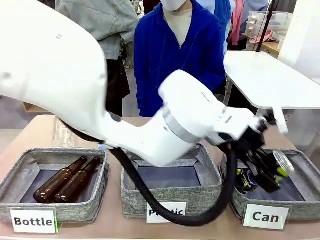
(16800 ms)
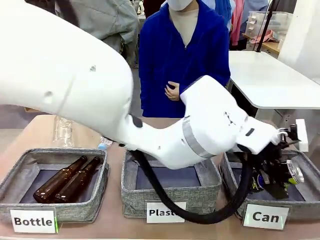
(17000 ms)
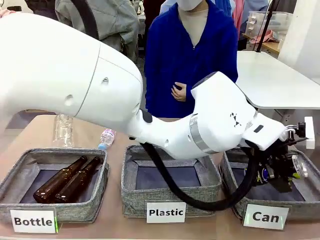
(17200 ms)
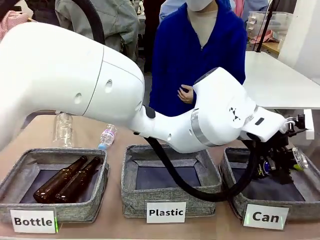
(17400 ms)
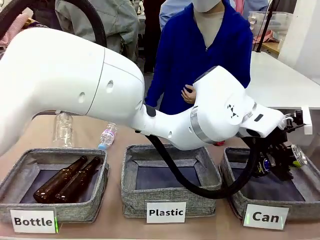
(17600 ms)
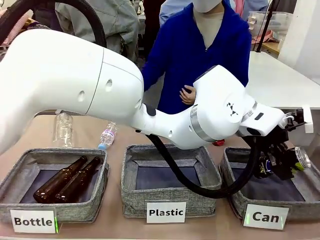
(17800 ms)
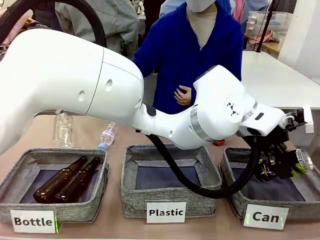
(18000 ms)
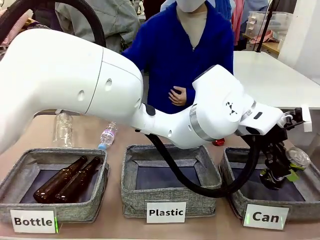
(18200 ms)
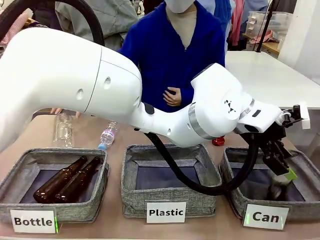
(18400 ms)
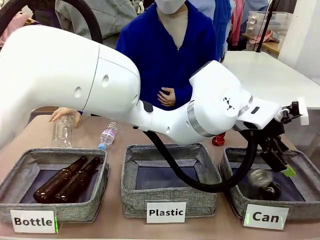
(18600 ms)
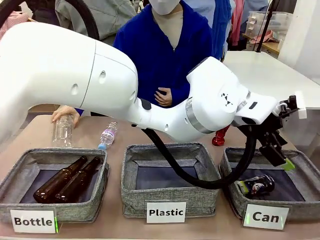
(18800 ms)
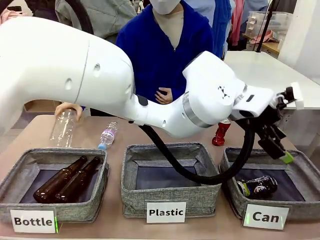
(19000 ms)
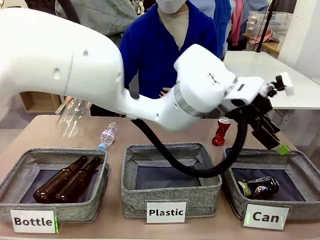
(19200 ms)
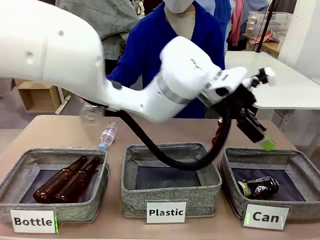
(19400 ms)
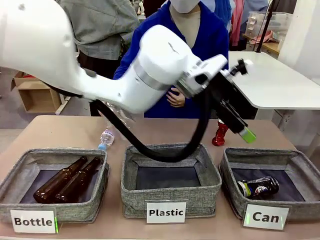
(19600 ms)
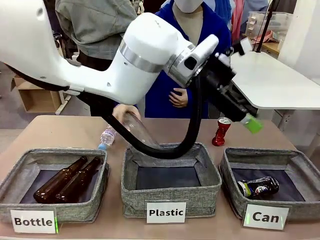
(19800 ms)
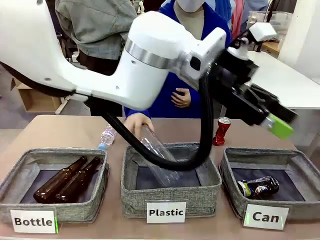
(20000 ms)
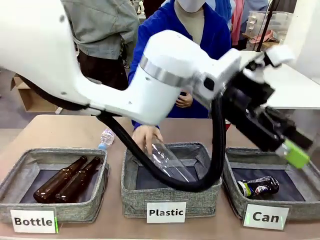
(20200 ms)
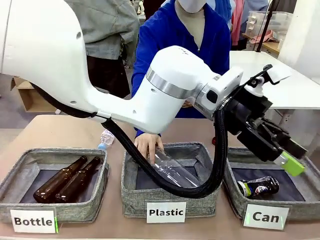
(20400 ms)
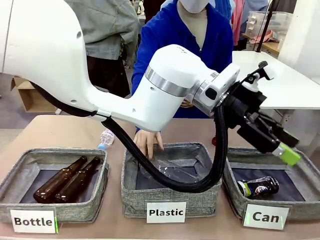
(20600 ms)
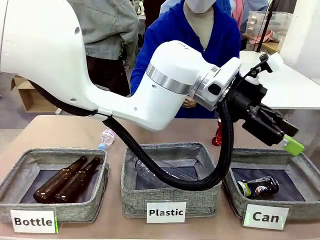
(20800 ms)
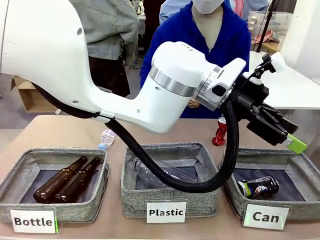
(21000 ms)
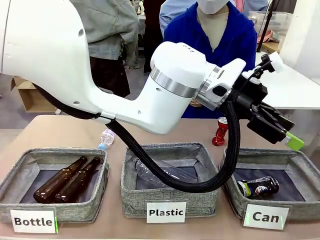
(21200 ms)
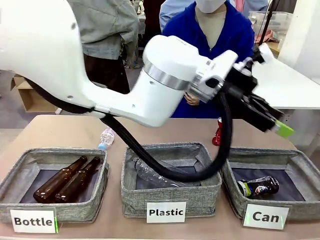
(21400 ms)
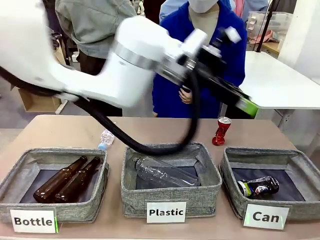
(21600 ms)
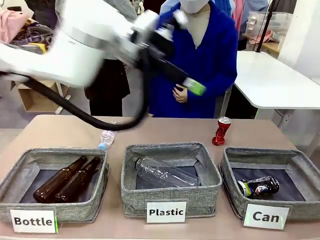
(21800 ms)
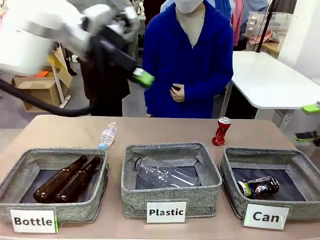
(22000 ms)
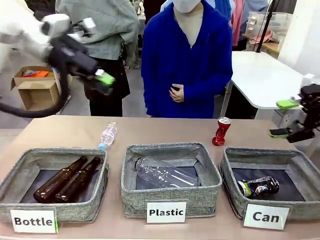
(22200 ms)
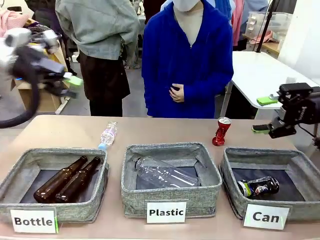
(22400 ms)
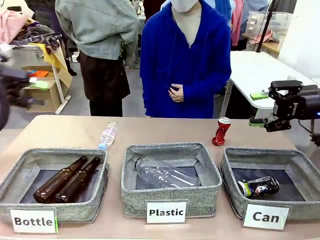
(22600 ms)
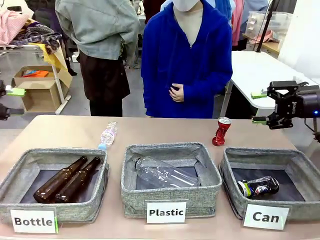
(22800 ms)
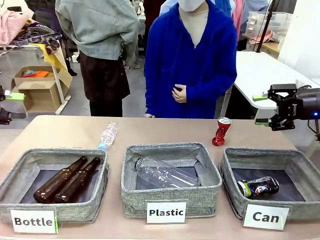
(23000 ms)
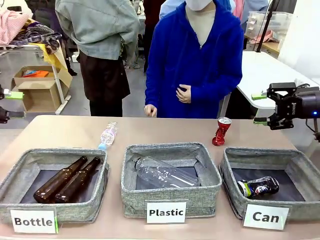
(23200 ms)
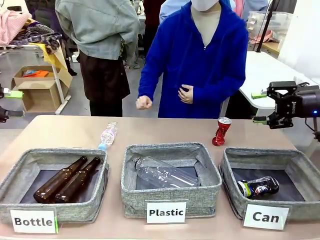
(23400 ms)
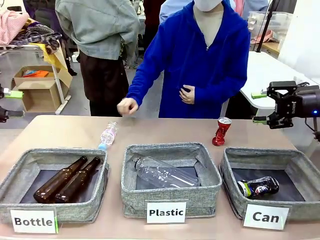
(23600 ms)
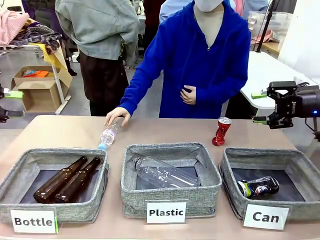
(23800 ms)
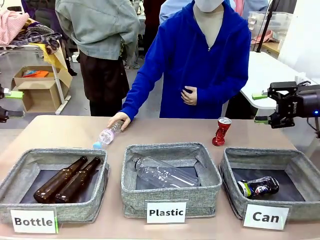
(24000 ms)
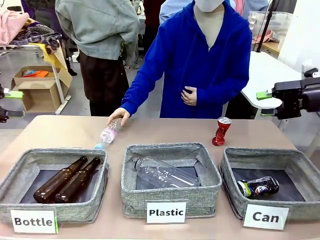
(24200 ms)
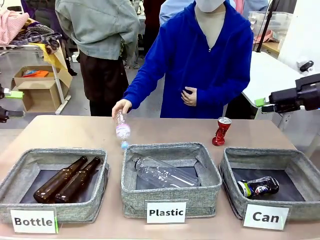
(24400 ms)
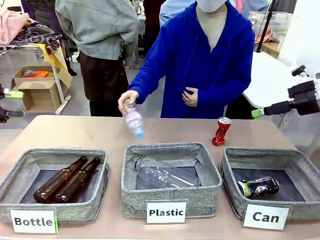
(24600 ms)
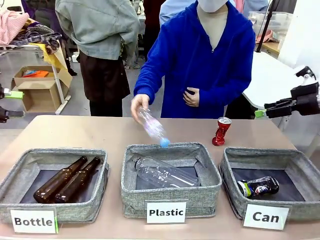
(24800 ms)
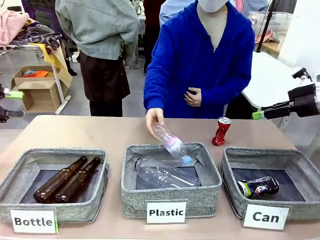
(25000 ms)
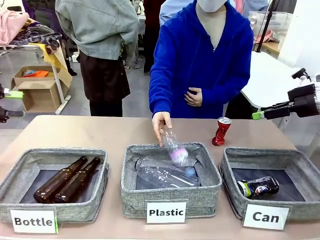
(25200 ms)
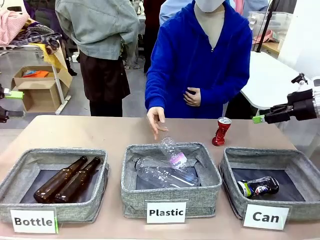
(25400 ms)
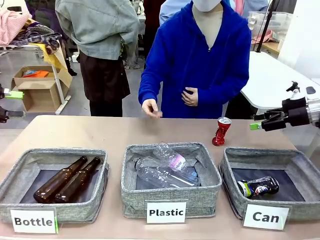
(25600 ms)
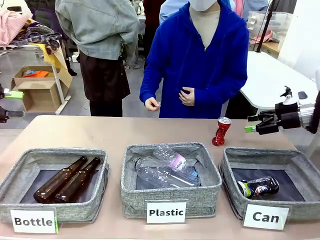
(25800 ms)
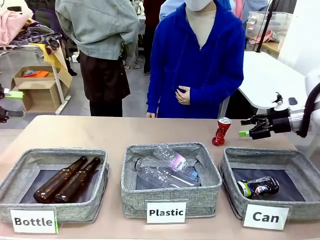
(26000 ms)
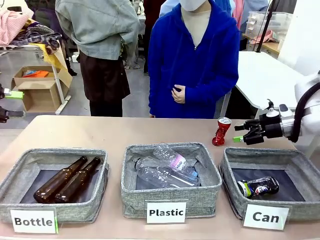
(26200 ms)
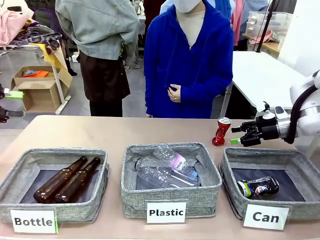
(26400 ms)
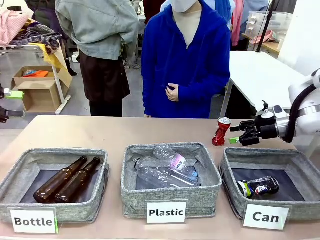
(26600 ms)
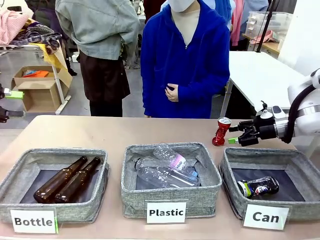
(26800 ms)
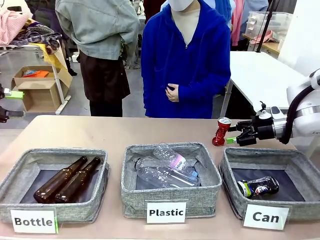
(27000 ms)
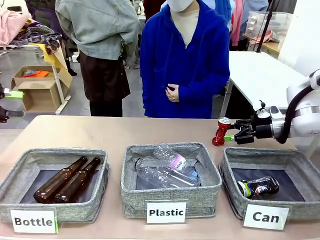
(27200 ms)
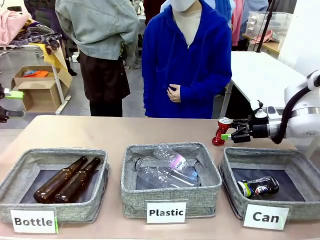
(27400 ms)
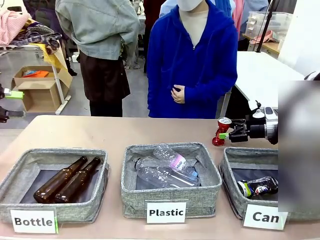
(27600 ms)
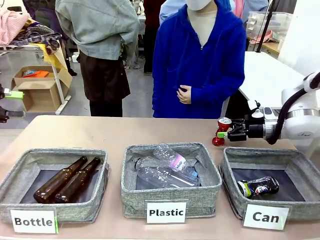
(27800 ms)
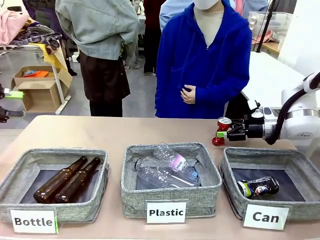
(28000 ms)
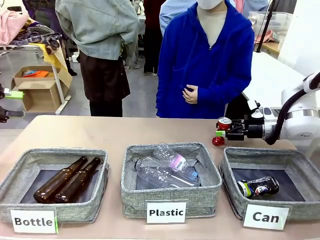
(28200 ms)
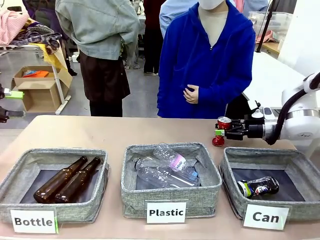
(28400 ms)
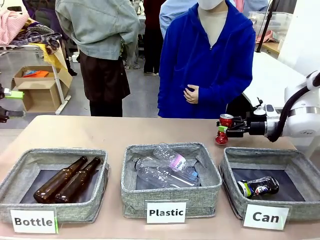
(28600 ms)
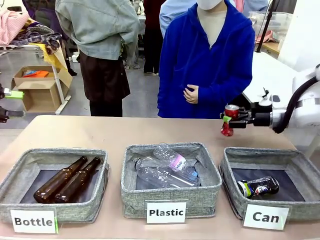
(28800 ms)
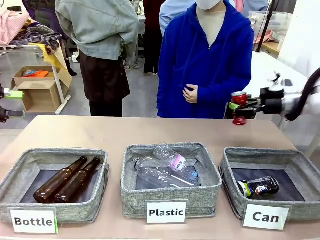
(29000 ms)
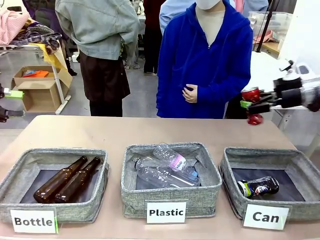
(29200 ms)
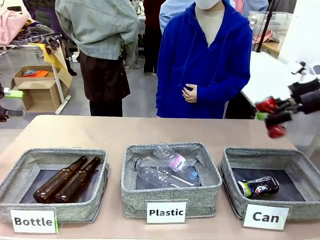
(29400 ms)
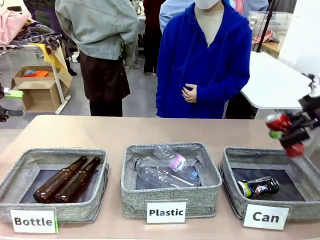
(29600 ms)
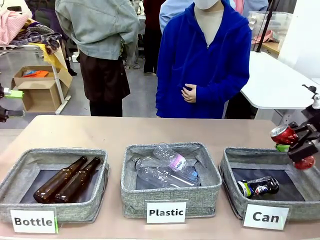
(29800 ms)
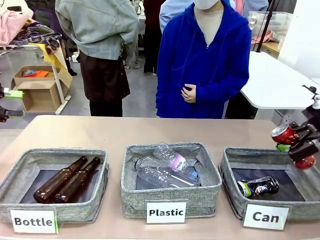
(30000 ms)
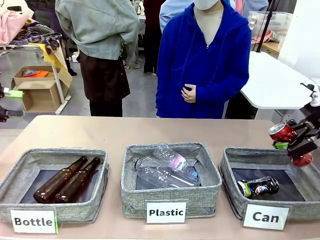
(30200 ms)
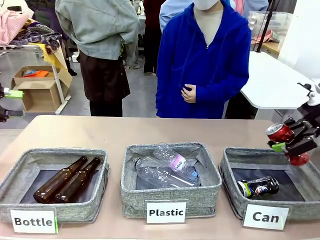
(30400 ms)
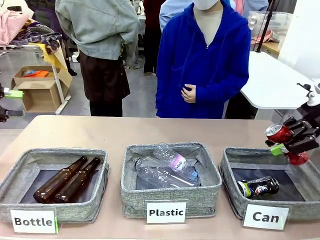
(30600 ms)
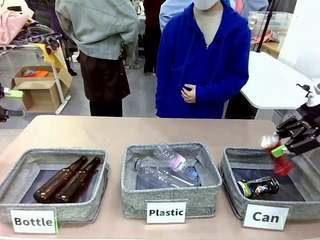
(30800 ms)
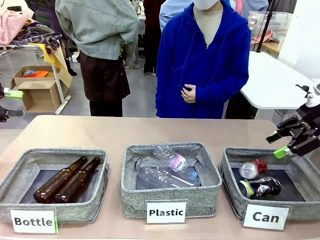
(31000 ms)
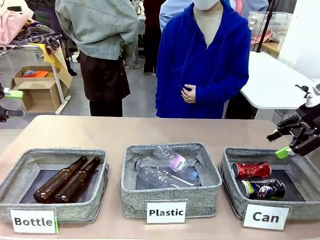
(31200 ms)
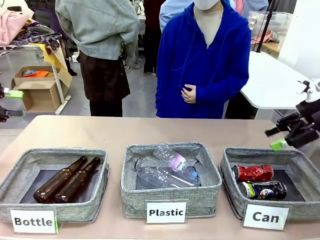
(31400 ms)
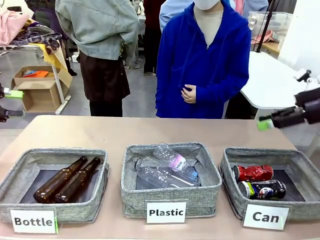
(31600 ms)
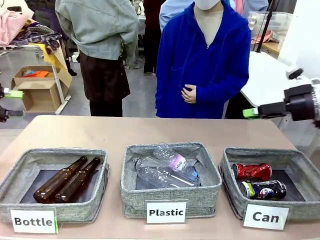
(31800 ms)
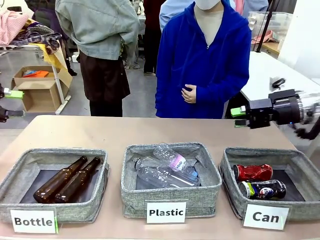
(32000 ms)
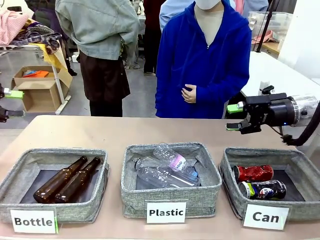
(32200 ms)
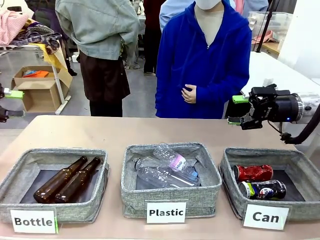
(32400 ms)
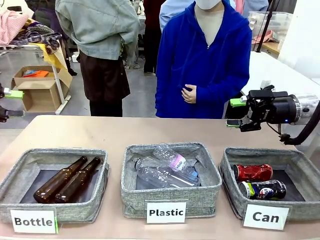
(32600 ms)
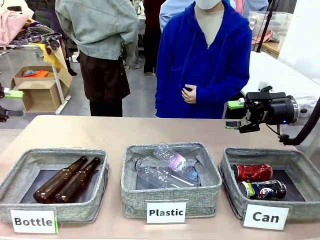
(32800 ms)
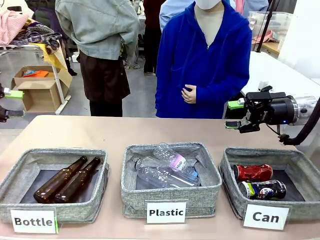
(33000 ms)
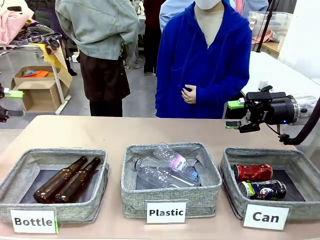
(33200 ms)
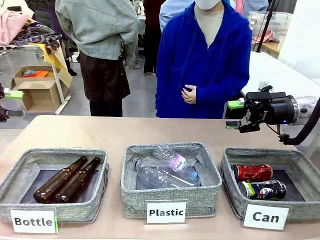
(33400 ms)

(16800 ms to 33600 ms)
Task: Sort the can waste into the basket.
Robot: Pick up the can waste from the table and place it in the right Fabric basket.
